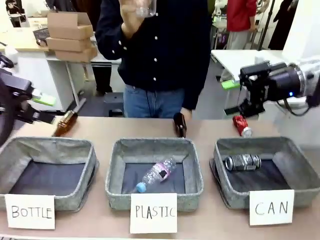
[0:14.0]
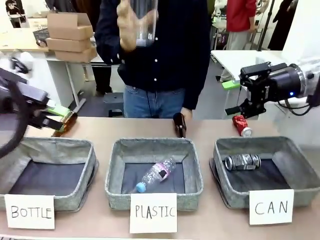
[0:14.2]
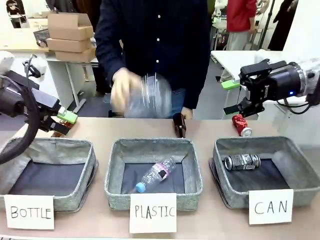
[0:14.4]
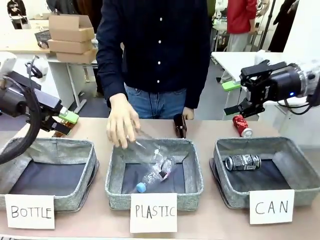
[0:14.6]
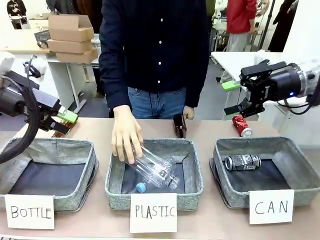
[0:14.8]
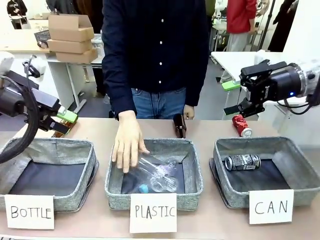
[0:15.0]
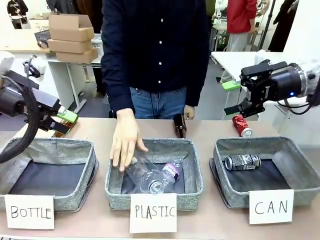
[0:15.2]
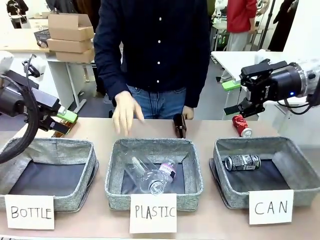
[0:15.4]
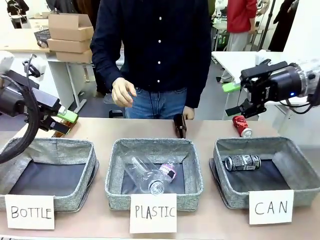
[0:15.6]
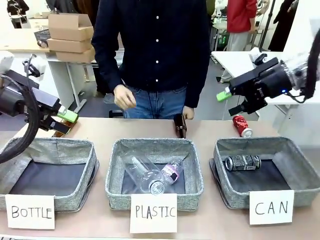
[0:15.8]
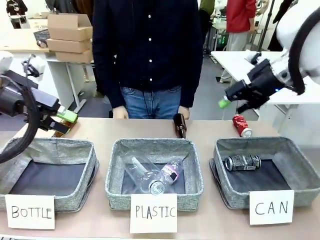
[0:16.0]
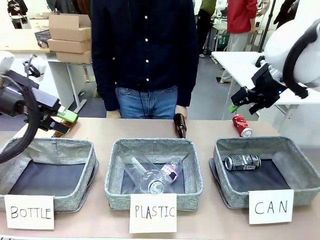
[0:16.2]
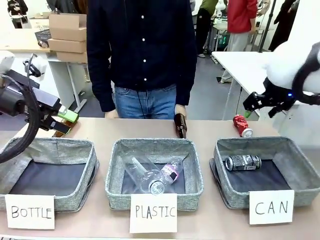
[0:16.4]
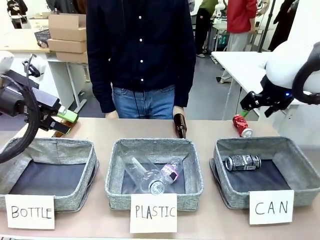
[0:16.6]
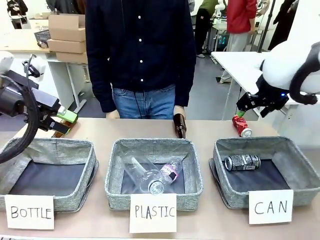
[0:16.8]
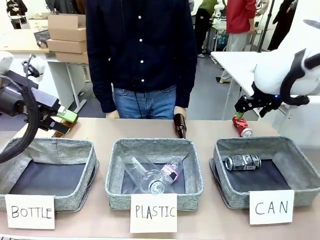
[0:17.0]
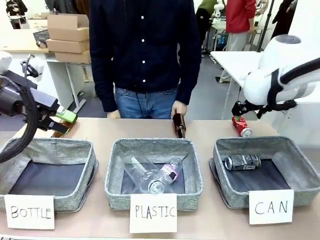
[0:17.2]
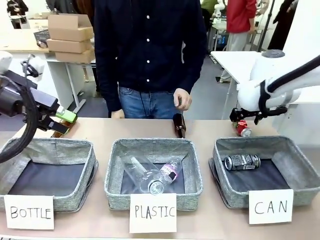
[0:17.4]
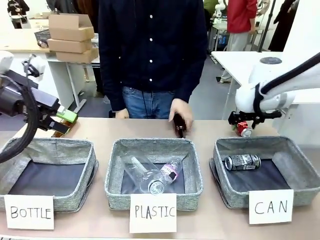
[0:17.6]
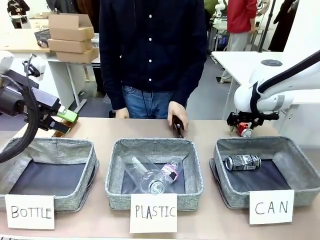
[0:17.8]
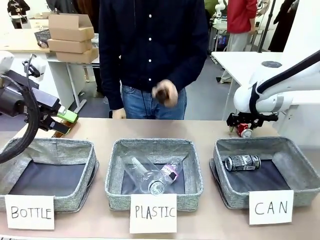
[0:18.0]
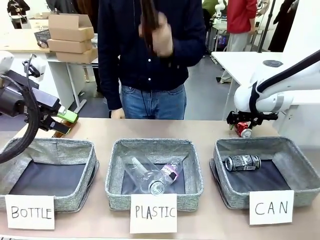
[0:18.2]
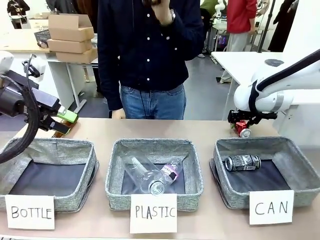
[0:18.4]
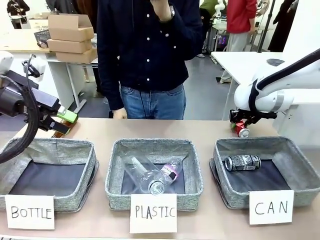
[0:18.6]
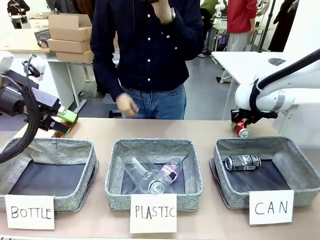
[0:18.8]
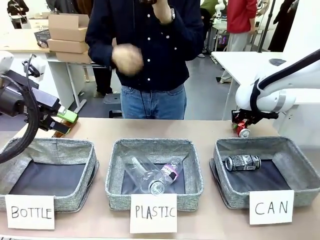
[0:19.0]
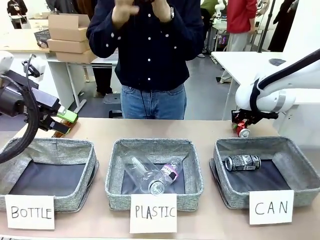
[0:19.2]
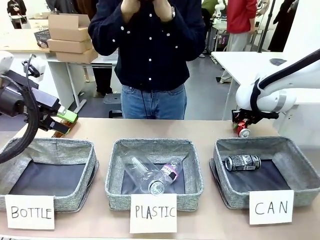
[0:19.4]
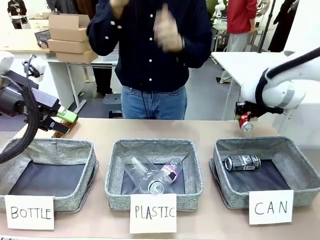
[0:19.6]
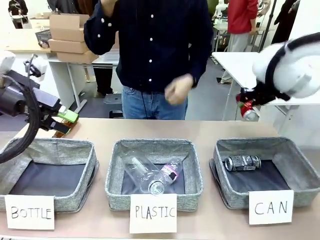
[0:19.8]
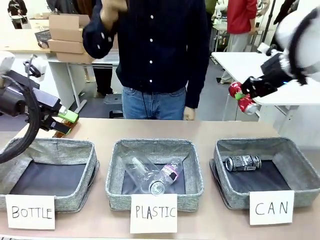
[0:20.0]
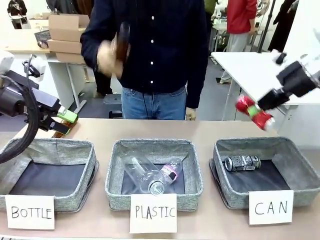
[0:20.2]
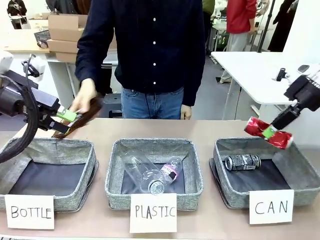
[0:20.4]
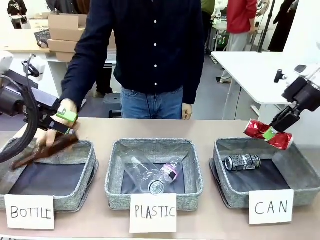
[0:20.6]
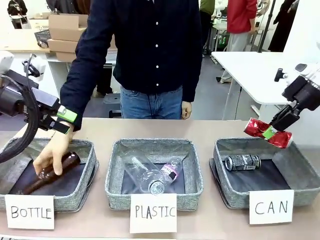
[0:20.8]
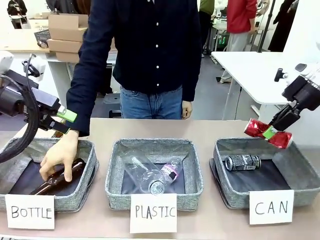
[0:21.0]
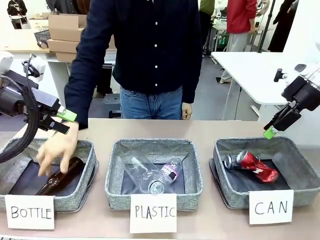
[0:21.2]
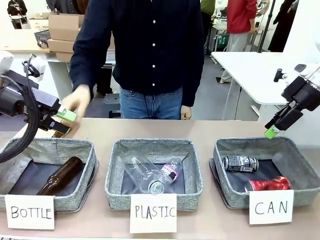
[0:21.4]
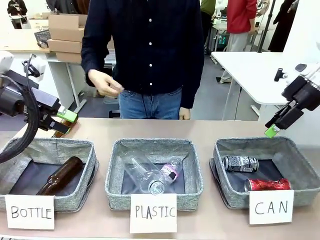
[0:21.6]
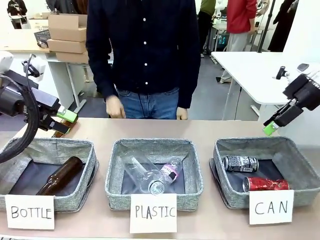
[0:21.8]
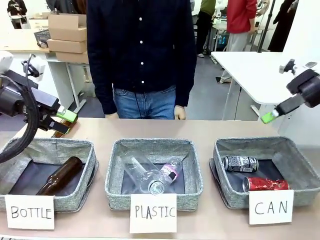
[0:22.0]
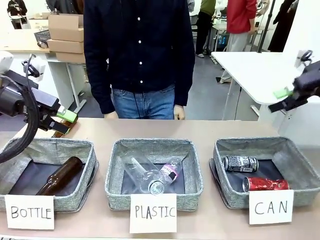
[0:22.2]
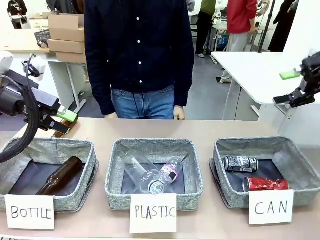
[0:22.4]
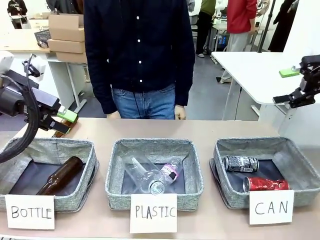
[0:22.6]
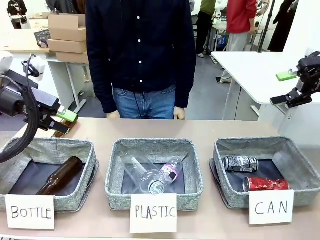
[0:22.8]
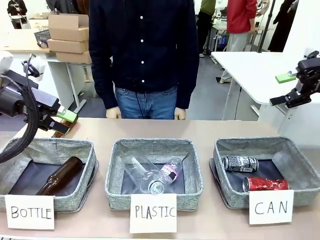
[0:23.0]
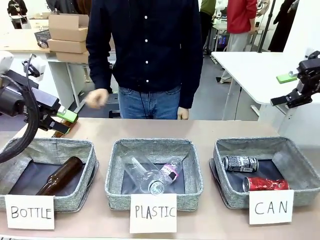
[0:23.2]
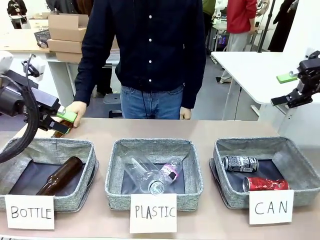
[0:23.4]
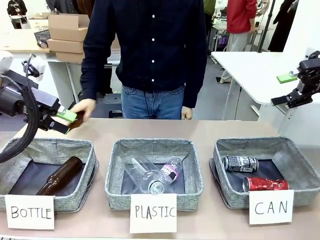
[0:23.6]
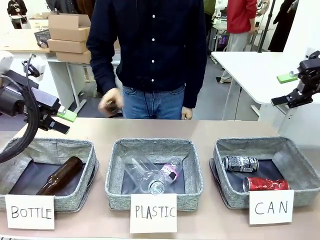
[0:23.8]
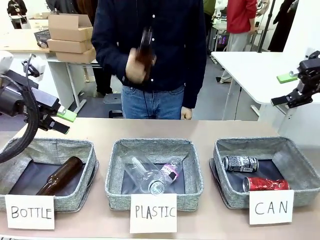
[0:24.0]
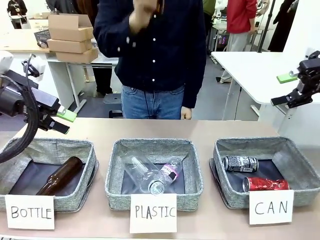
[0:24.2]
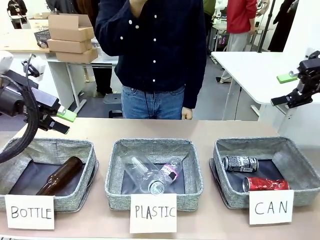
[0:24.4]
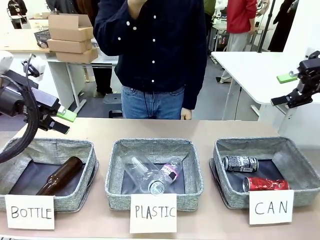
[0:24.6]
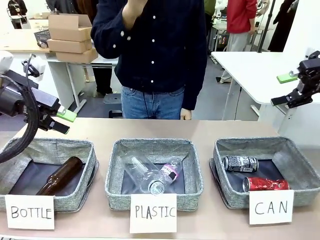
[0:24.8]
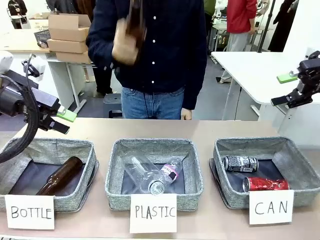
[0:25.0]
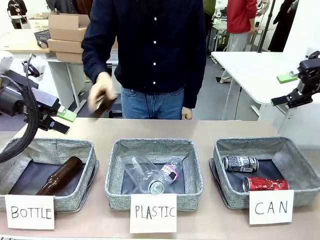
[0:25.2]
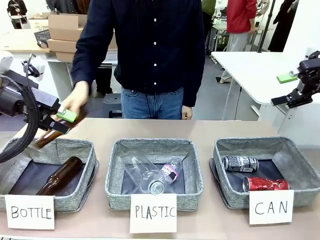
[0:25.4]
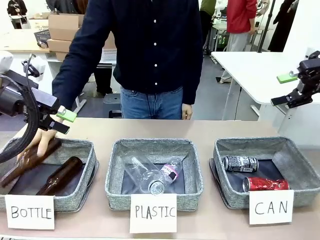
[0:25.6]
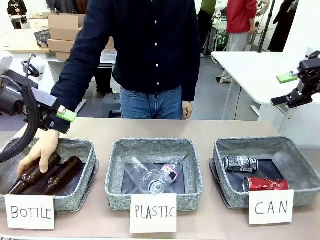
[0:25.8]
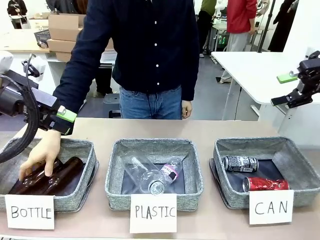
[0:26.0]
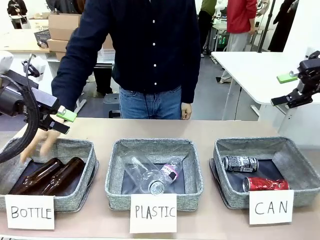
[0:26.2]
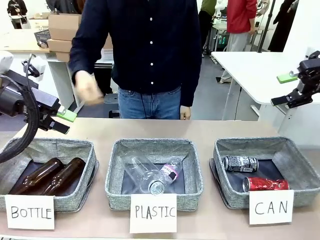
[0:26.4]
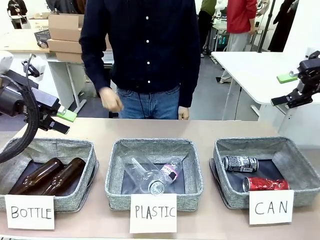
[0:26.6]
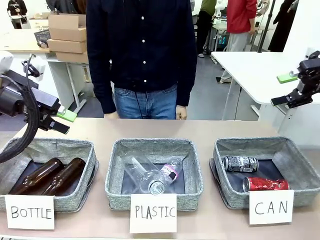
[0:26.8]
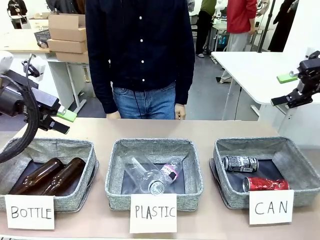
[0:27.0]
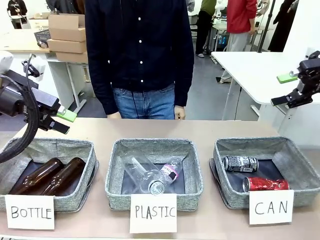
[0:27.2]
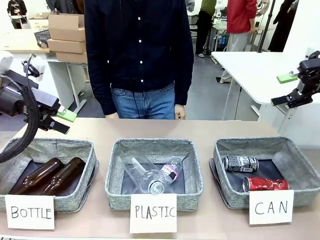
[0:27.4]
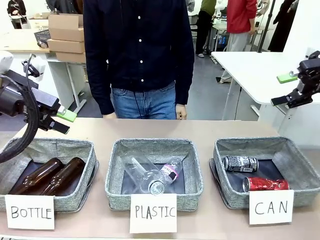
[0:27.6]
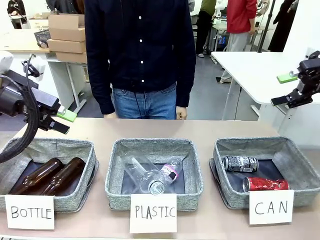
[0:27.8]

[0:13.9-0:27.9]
Task: Sort the can waste into the basket.
Robot: Pick up the can waste from the table and place it in the right Fabric basket.
Person: The human picks up one piece of trash that is not a can and places the trash into the appropriate organizing basket.
